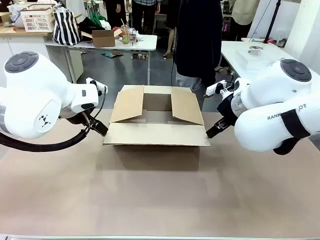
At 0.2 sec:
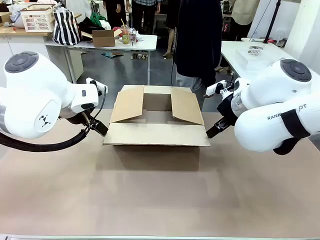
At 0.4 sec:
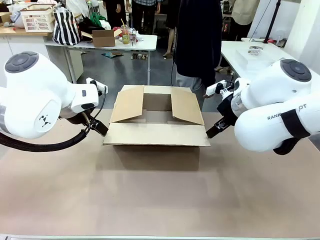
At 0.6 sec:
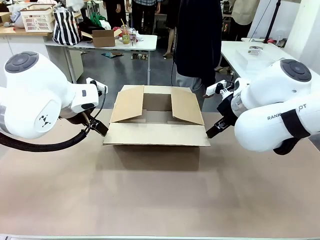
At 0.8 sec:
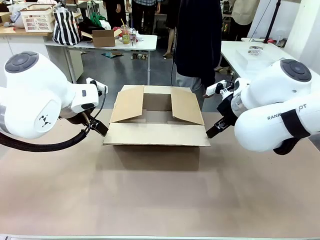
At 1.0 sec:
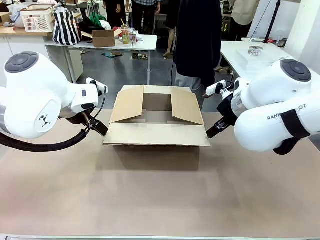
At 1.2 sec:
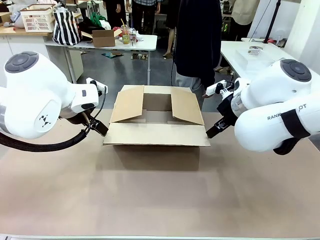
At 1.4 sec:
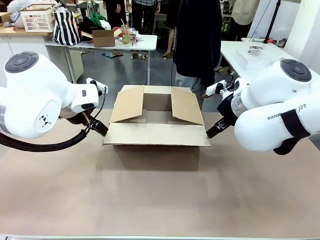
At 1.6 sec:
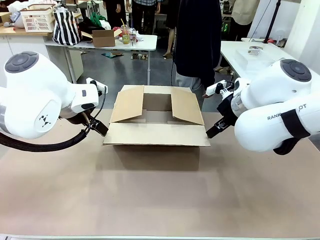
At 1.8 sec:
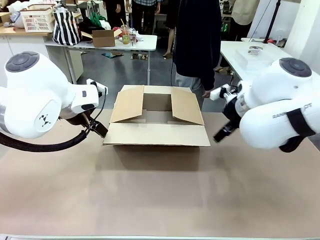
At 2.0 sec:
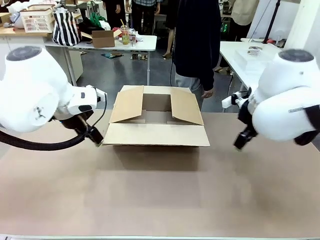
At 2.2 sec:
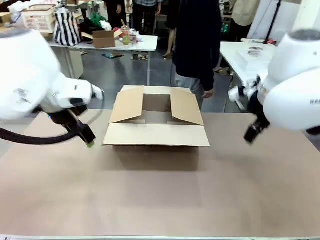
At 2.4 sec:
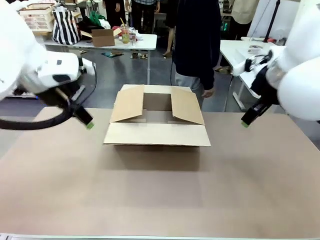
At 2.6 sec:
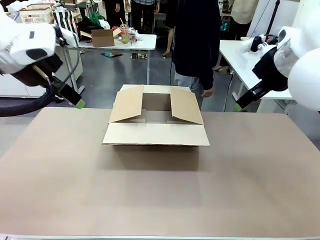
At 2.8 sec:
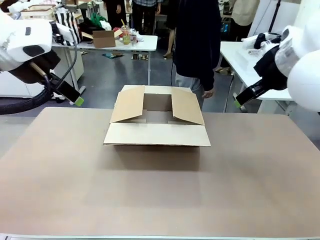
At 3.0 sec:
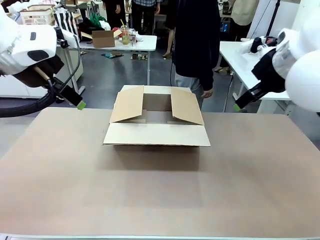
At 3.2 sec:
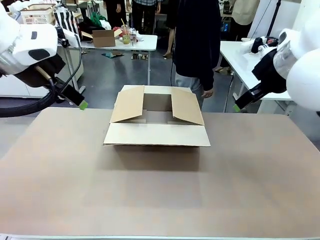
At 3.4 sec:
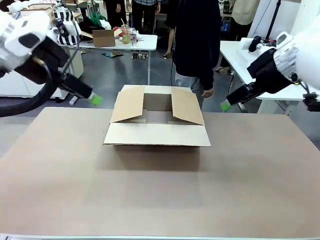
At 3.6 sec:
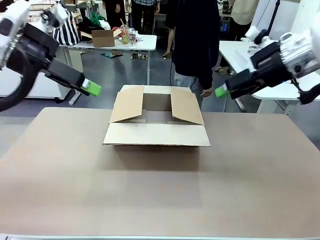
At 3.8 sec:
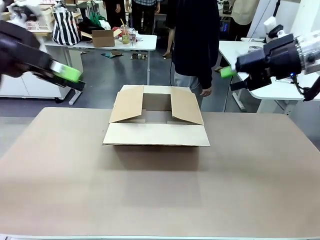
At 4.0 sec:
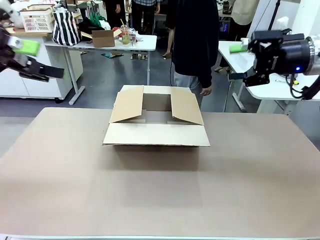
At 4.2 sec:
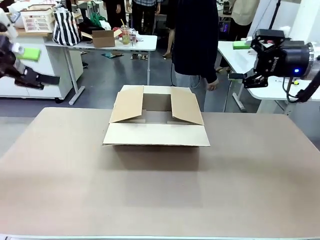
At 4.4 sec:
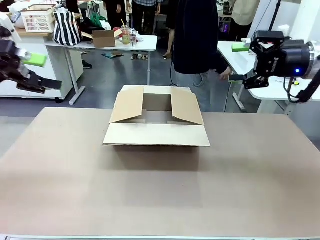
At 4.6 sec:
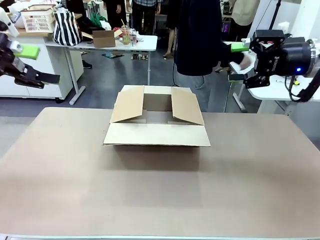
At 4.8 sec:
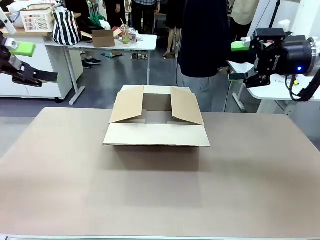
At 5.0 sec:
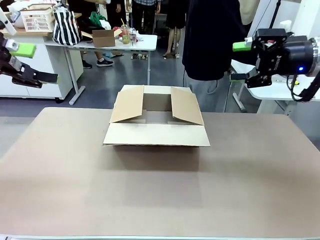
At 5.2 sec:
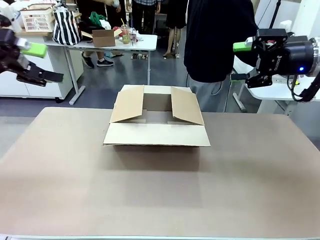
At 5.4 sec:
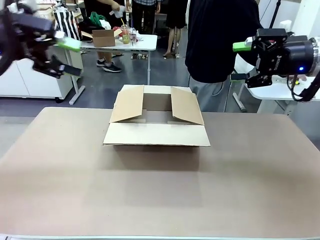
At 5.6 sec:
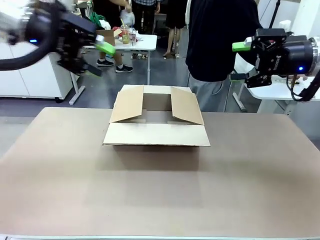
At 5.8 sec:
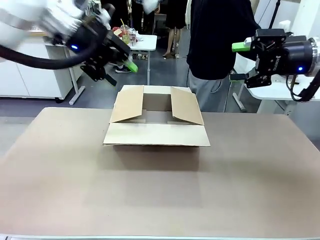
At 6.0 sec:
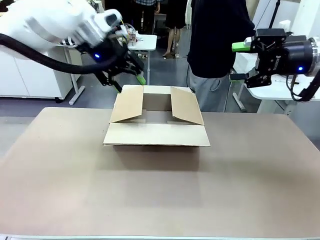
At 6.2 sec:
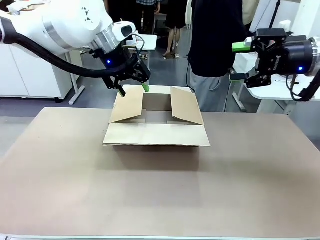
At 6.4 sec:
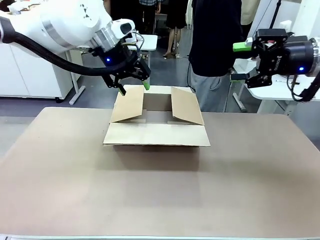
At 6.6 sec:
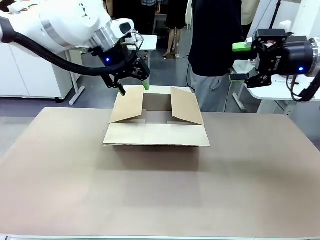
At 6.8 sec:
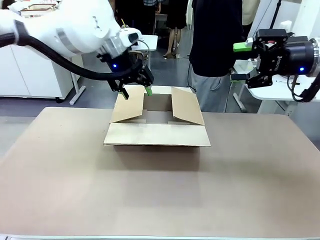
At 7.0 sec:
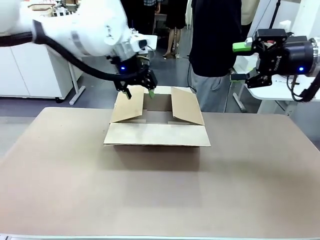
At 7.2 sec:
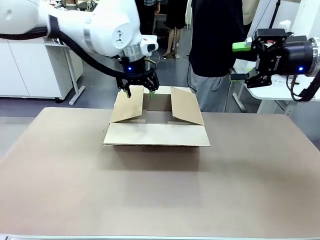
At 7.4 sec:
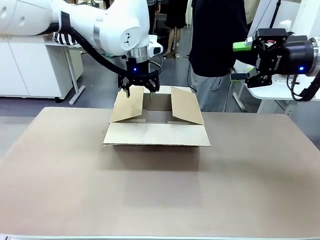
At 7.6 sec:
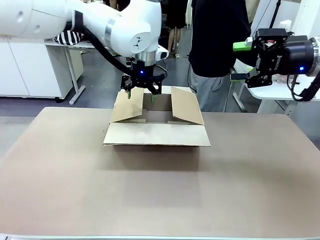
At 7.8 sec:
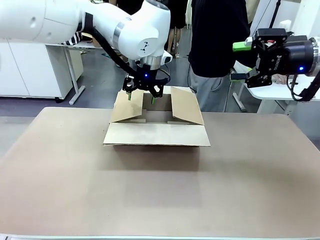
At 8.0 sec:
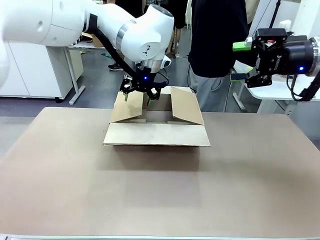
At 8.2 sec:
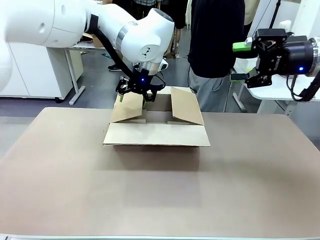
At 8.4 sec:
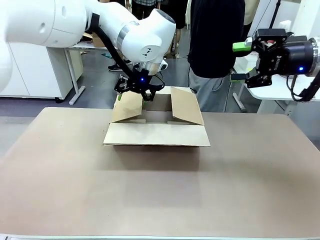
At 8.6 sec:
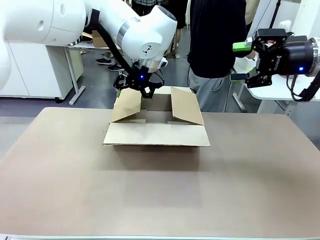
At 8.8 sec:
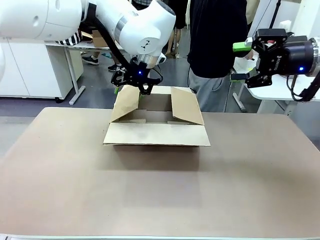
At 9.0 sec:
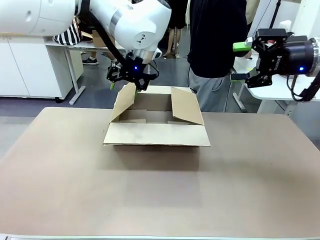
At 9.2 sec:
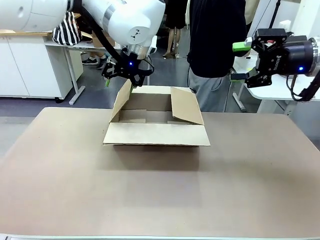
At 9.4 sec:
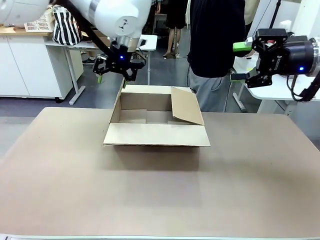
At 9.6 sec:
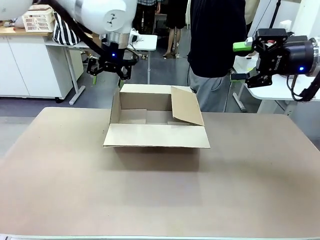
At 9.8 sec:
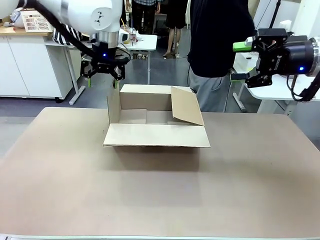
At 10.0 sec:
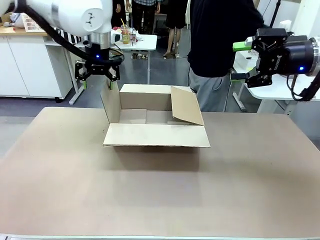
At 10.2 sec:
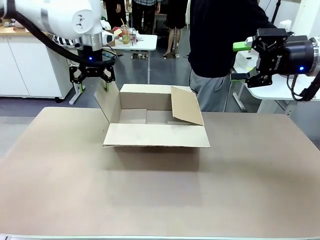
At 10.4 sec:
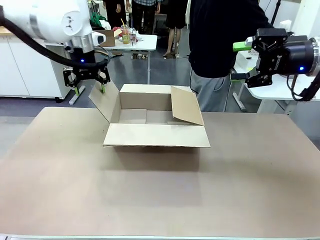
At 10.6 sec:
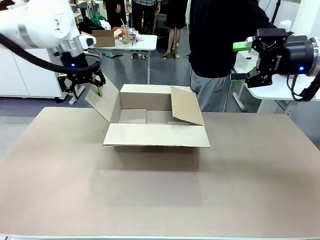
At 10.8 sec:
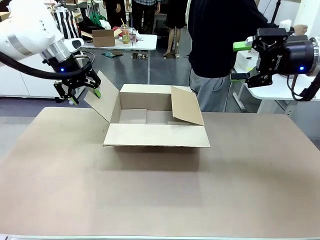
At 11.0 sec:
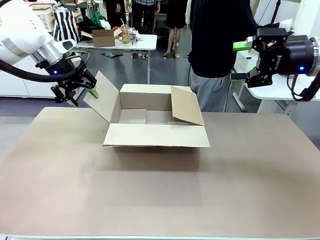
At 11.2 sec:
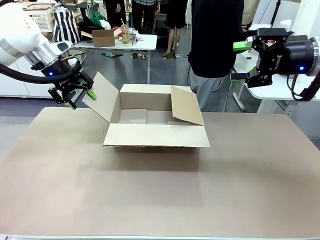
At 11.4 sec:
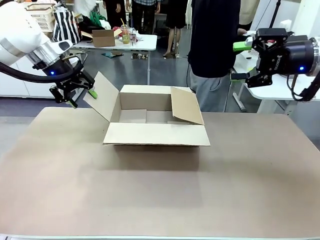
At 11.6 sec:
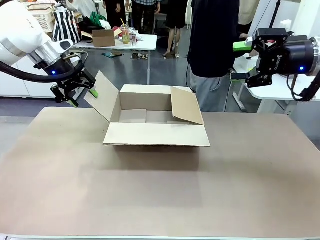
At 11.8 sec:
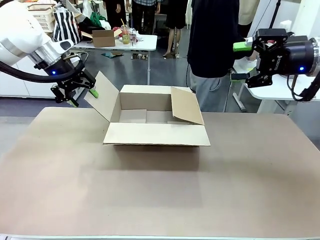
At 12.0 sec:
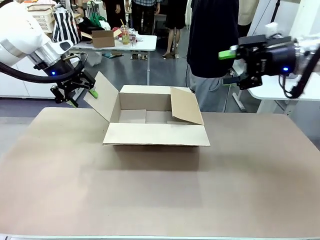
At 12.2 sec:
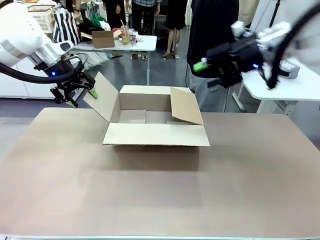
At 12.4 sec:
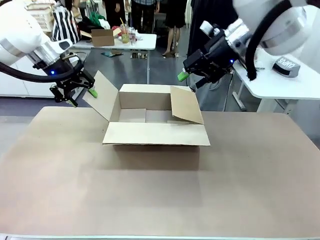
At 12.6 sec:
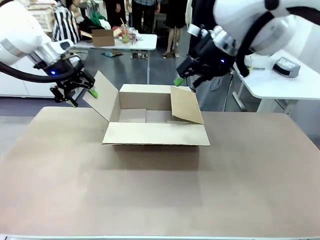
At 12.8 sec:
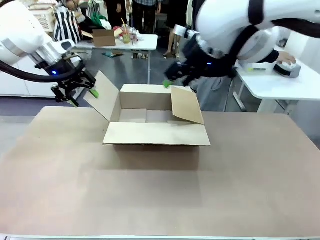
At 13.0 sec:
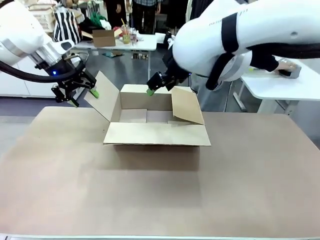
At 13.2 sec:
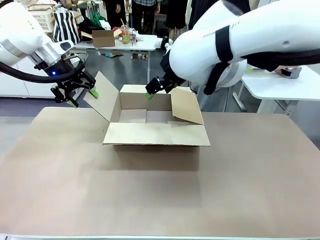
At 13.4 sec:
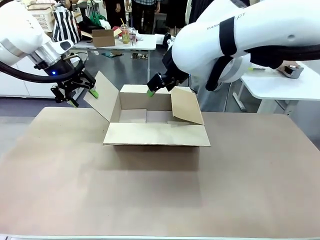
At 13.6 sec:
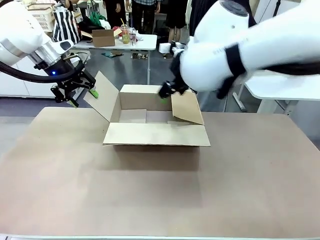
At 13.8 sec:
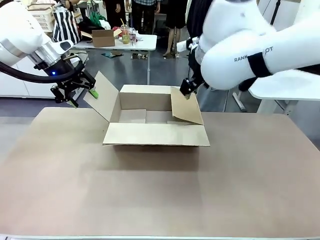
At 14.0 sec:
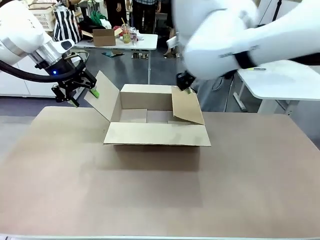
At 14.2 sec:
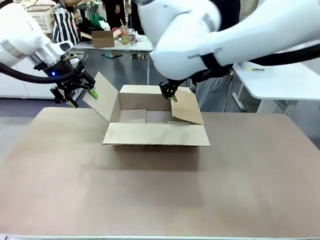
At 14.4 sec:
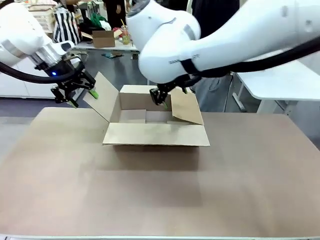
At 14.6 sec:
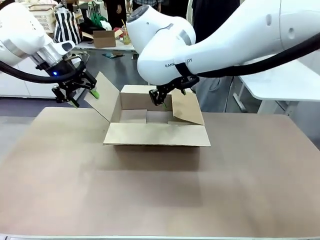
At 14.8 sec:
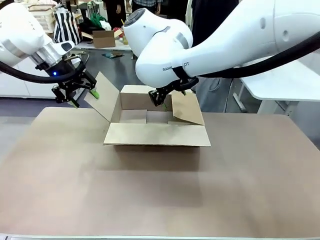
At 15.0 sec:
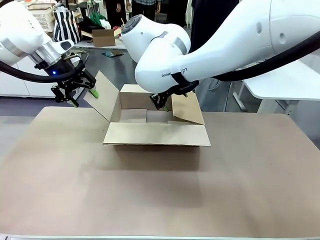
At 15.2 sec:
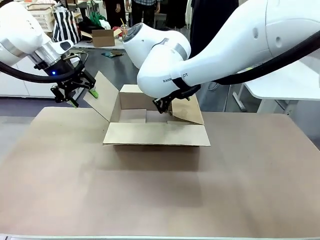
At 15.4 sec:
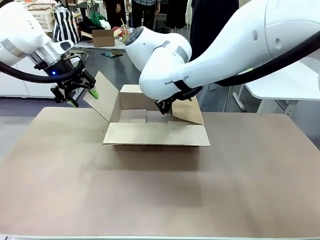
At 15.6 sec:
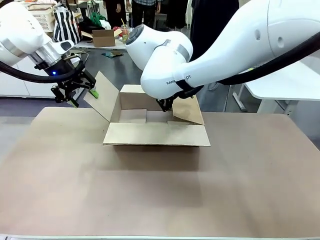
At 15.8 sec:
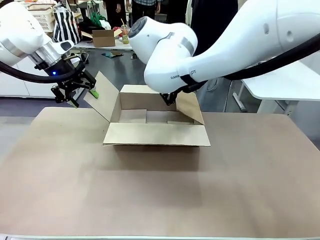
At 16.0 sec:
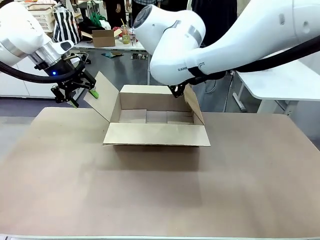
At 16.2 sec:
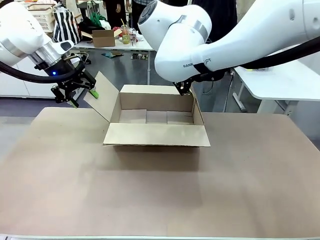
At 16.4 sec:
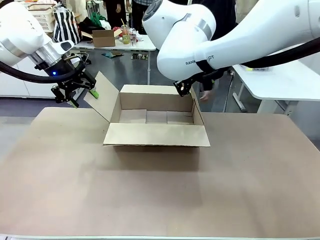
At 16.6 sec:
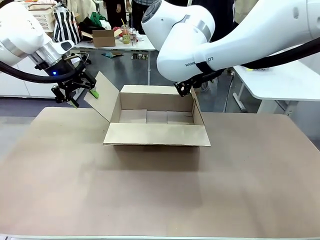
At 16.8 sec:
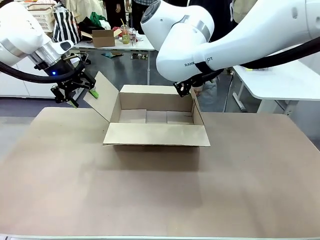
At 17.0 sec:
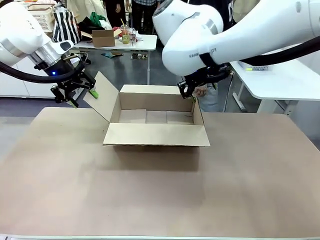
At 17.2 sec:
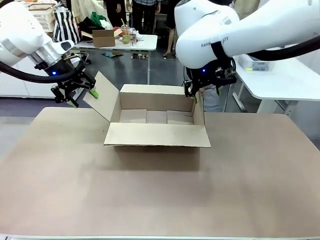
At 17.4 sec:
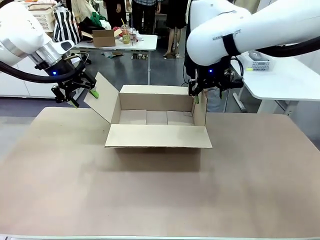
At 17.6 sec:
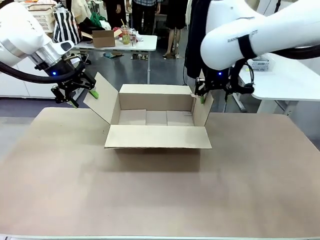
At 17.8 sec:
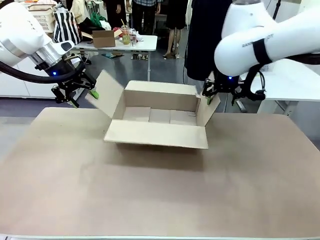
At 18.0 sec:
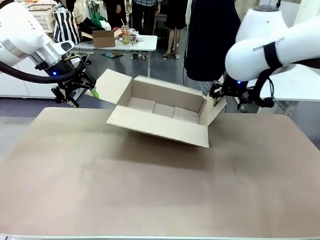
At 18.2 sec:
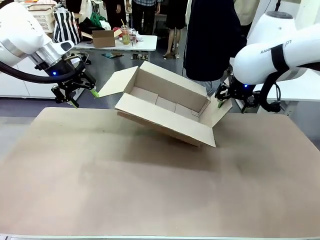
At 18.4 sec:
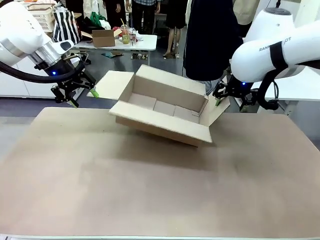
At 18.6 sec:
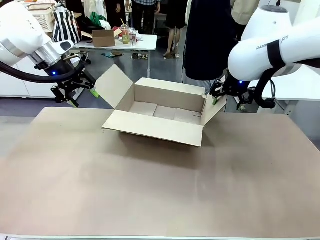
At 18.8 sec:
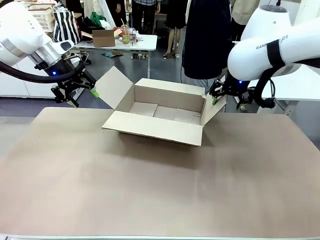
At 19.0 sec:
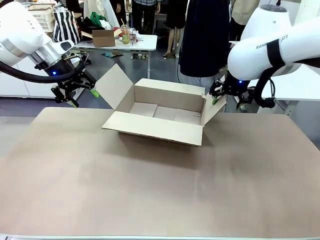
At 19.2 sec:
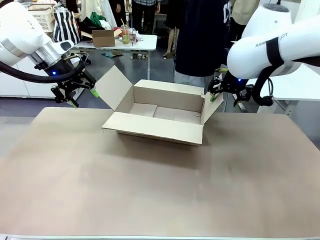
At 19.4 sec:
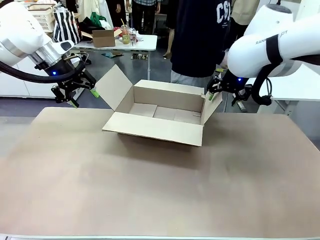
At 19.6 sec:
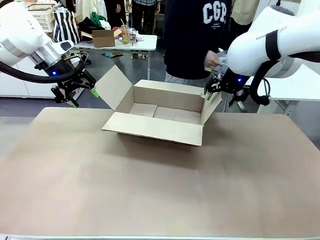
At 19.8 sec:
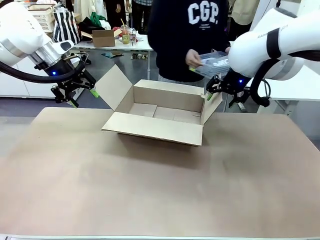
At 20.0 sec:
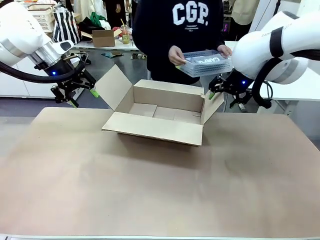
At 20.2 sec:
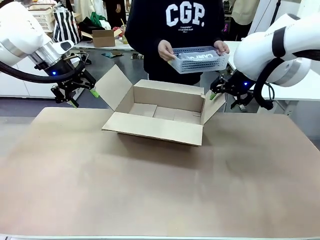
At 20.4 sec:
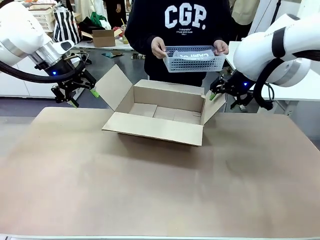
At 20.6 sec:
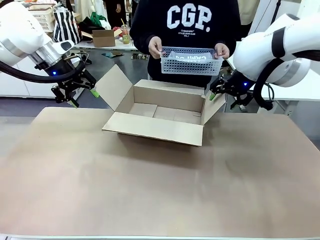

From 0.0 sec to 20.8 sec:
Task: Pack the gift set into the box.
Robot: Place both hands on the side flaps of the Package Box and spread them outward.
Person: The human places all items except the paper tape into the organizing basket. The human picks up the organizing basket and places the organizing basket into the package box on the robot table.
